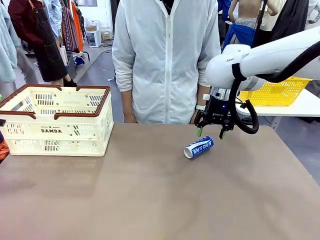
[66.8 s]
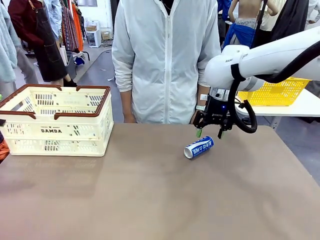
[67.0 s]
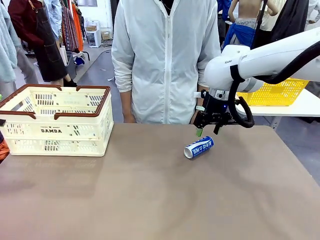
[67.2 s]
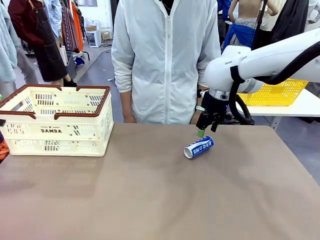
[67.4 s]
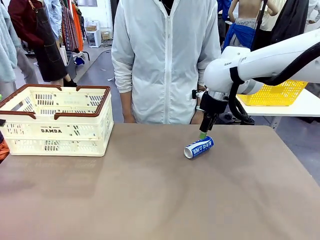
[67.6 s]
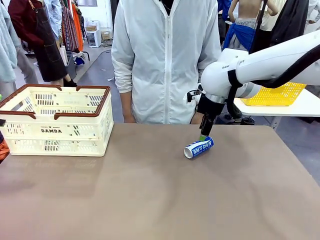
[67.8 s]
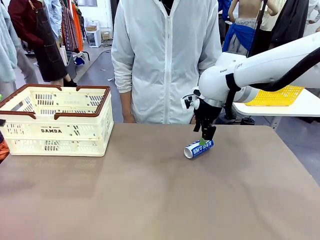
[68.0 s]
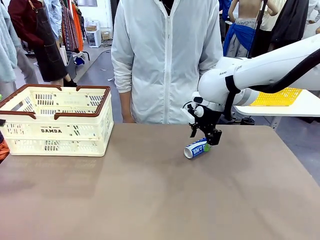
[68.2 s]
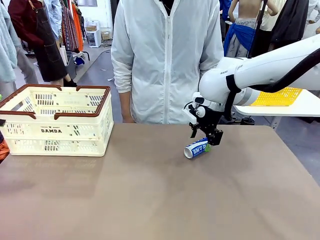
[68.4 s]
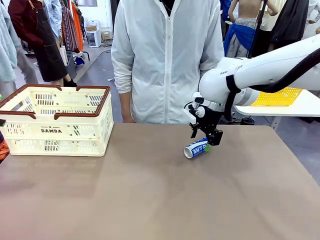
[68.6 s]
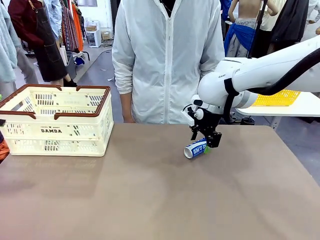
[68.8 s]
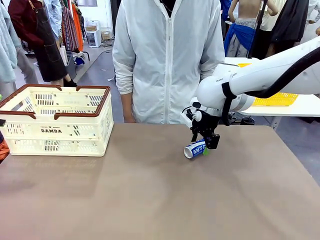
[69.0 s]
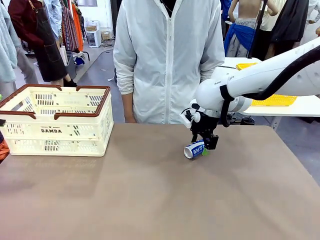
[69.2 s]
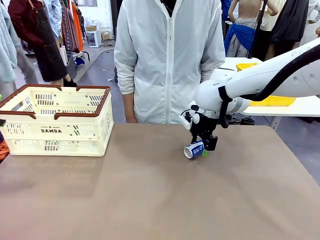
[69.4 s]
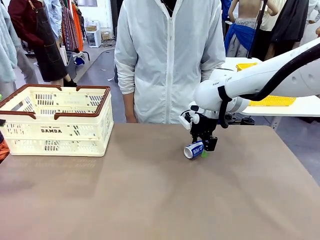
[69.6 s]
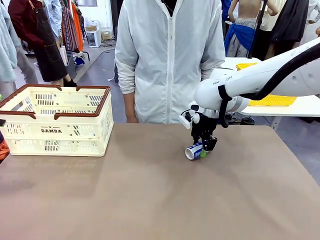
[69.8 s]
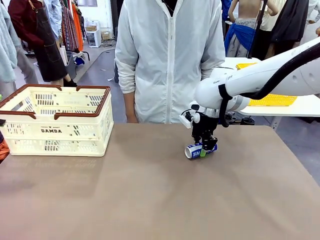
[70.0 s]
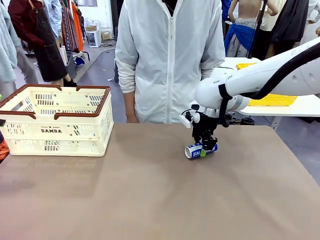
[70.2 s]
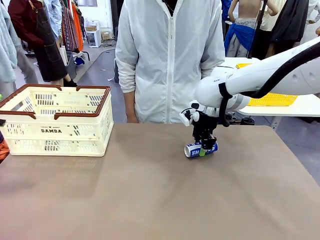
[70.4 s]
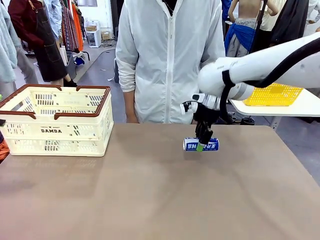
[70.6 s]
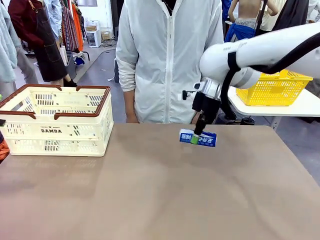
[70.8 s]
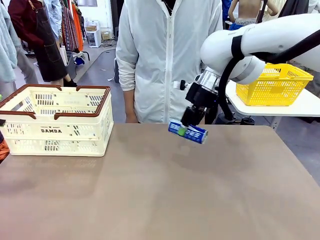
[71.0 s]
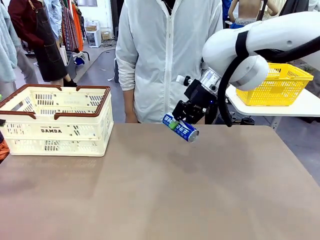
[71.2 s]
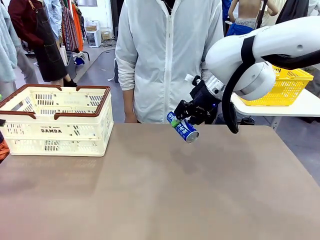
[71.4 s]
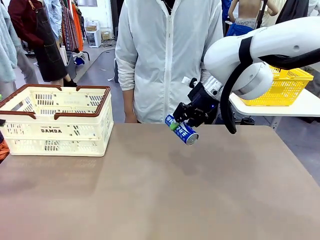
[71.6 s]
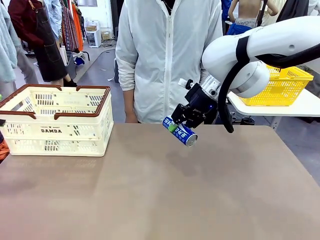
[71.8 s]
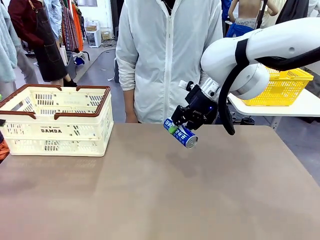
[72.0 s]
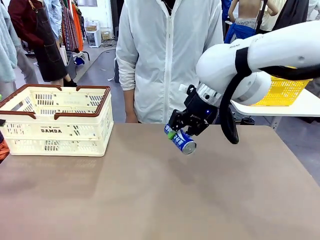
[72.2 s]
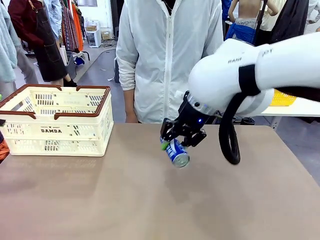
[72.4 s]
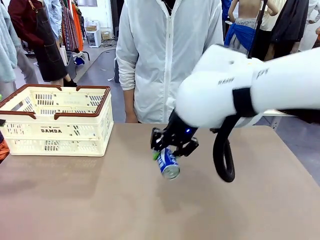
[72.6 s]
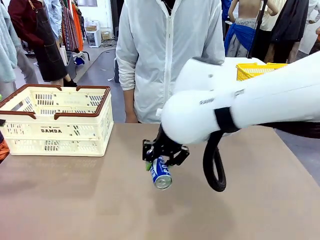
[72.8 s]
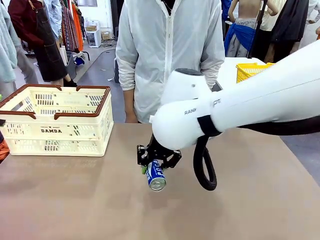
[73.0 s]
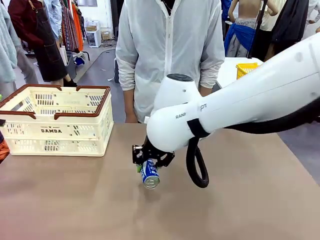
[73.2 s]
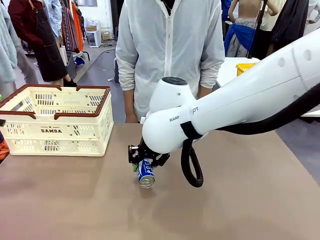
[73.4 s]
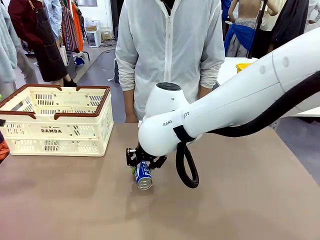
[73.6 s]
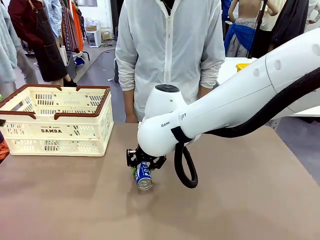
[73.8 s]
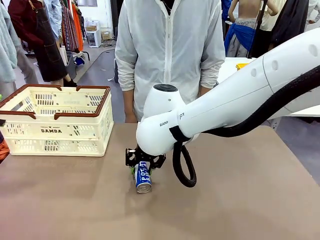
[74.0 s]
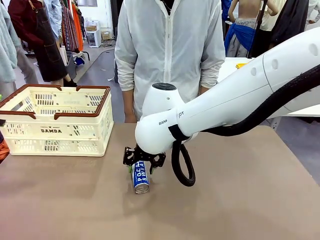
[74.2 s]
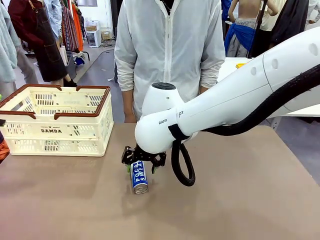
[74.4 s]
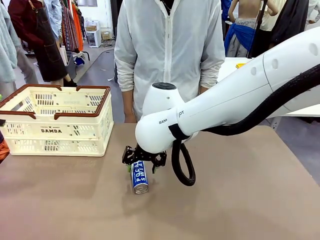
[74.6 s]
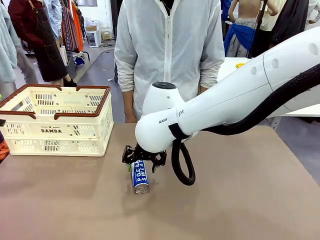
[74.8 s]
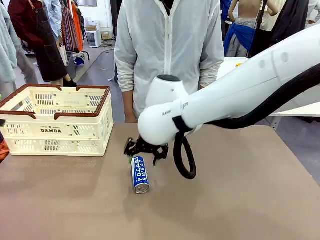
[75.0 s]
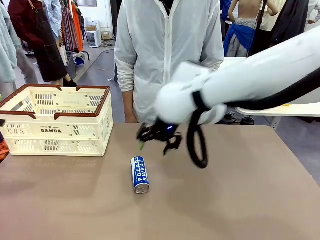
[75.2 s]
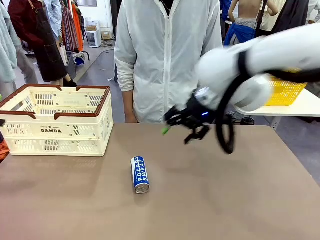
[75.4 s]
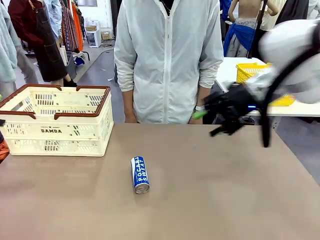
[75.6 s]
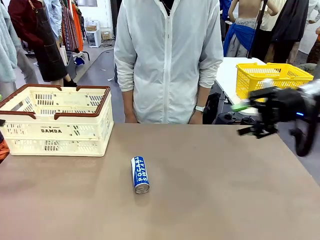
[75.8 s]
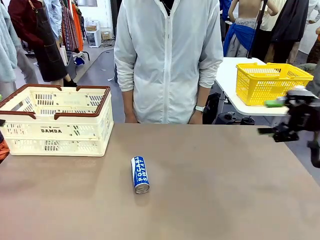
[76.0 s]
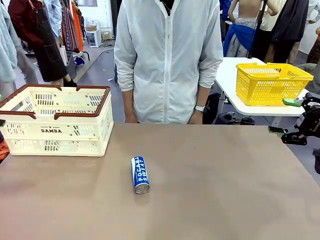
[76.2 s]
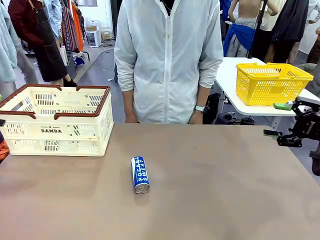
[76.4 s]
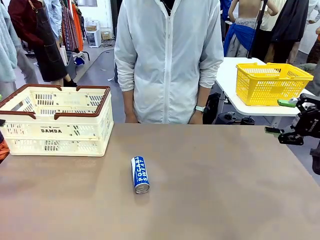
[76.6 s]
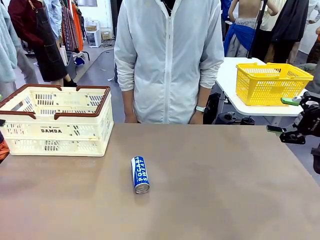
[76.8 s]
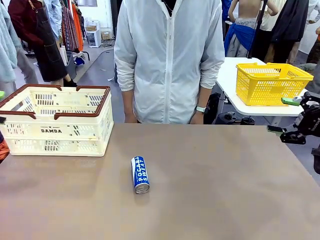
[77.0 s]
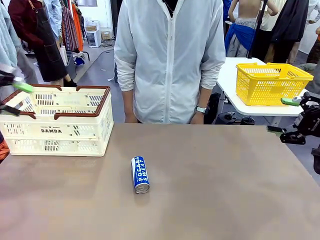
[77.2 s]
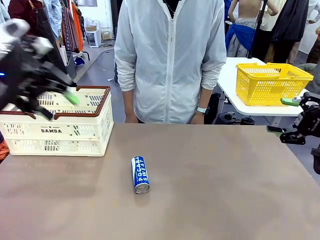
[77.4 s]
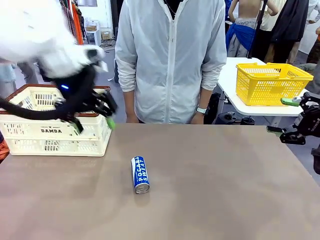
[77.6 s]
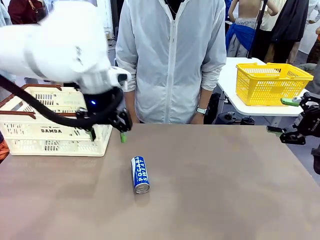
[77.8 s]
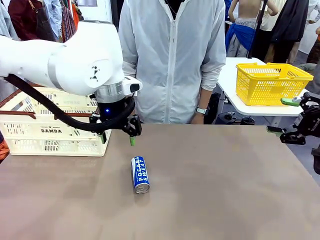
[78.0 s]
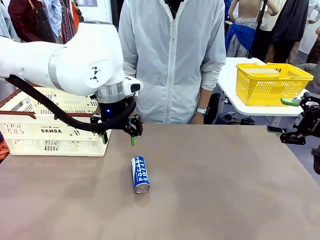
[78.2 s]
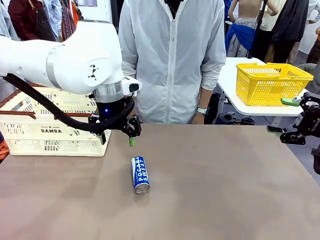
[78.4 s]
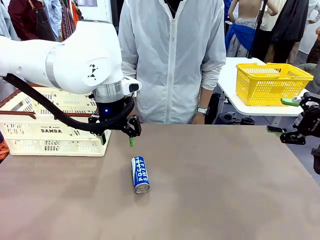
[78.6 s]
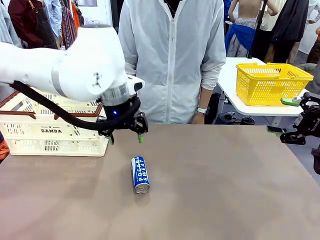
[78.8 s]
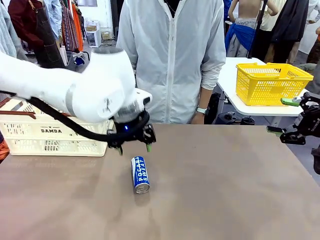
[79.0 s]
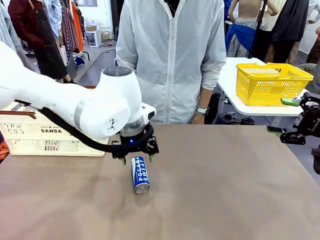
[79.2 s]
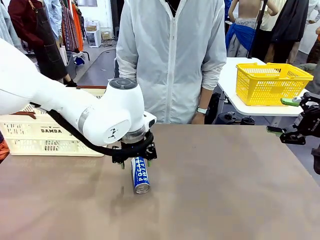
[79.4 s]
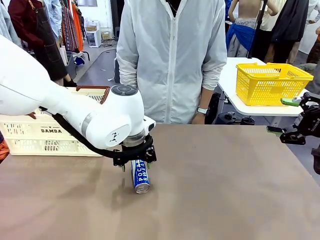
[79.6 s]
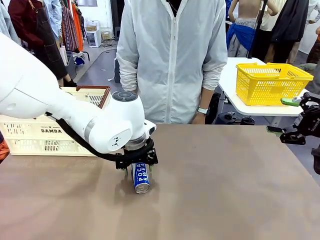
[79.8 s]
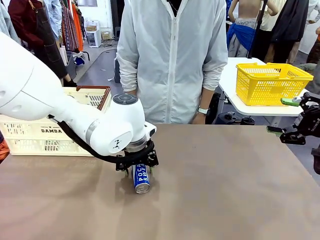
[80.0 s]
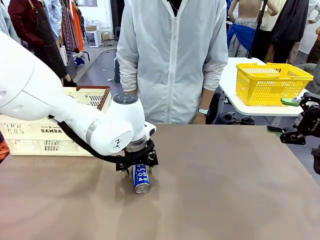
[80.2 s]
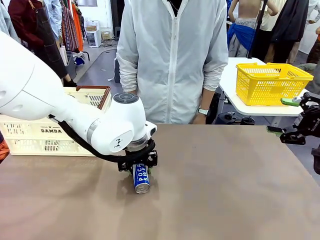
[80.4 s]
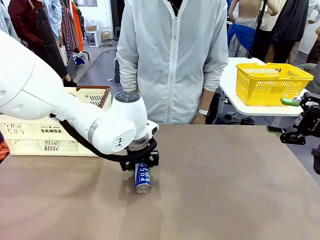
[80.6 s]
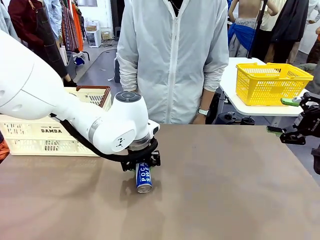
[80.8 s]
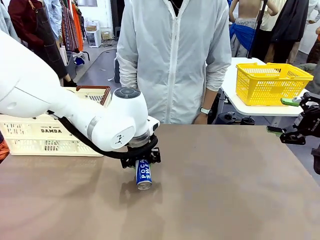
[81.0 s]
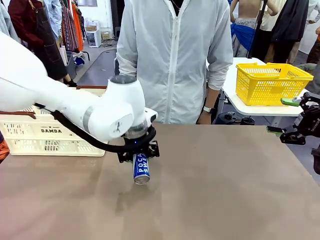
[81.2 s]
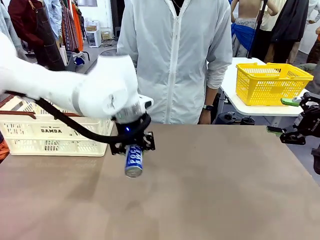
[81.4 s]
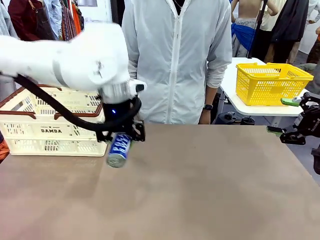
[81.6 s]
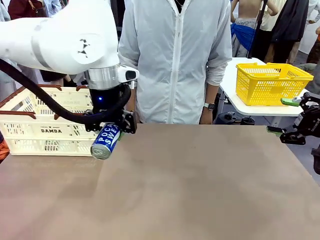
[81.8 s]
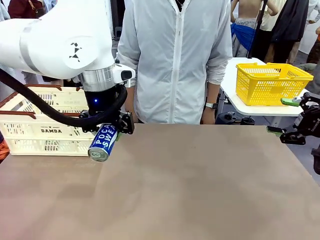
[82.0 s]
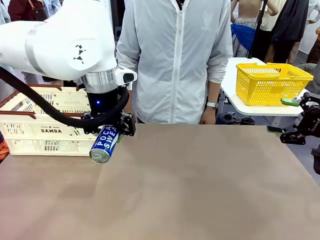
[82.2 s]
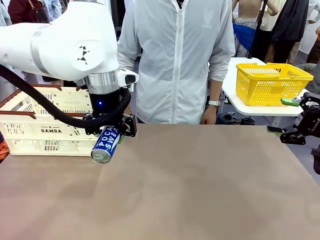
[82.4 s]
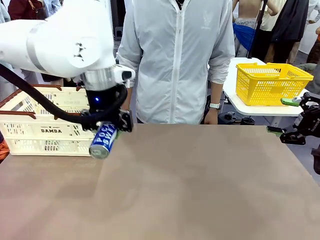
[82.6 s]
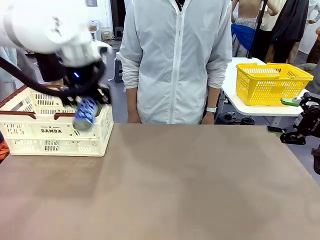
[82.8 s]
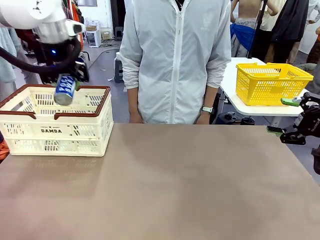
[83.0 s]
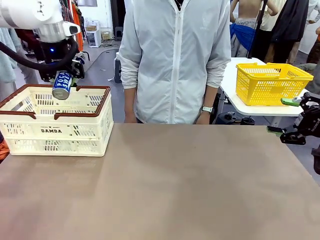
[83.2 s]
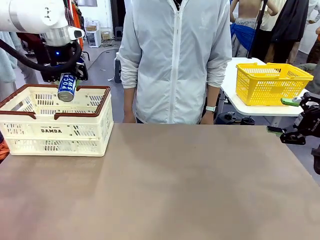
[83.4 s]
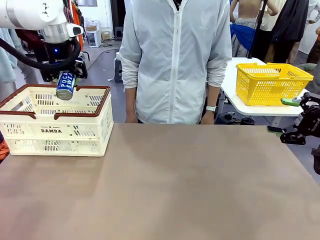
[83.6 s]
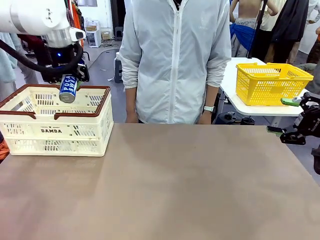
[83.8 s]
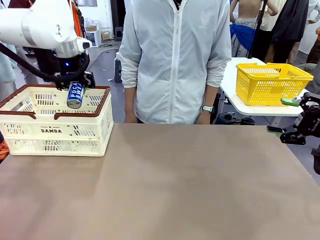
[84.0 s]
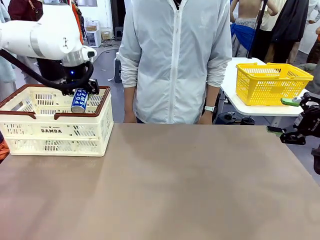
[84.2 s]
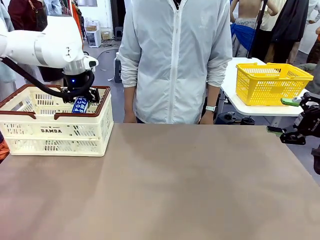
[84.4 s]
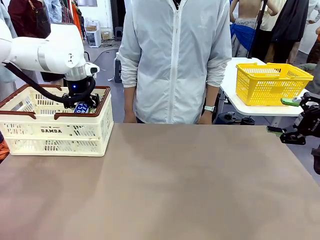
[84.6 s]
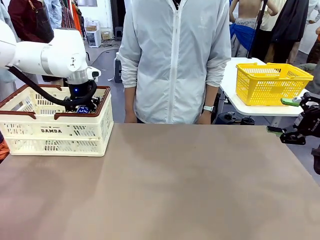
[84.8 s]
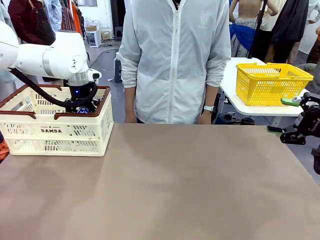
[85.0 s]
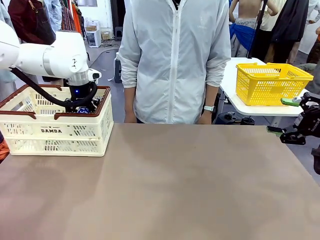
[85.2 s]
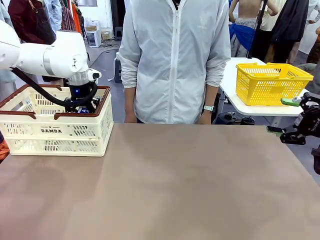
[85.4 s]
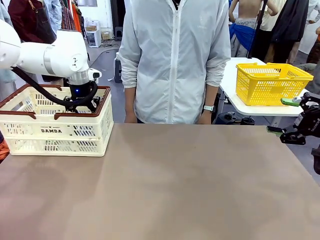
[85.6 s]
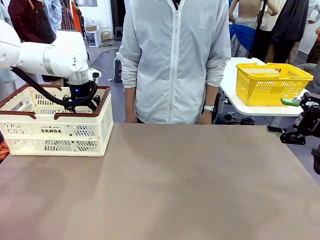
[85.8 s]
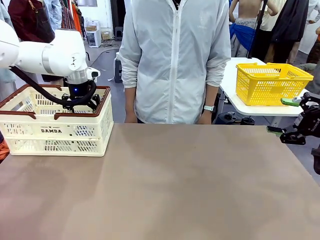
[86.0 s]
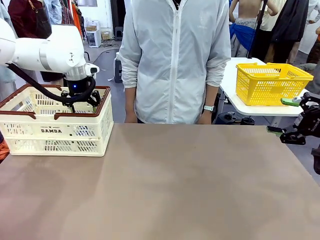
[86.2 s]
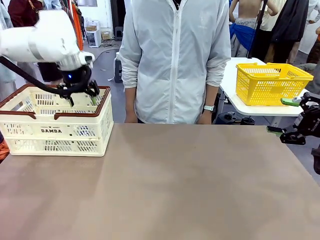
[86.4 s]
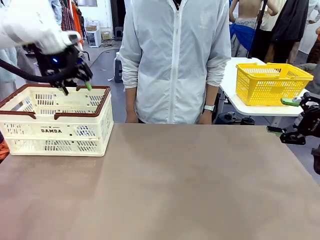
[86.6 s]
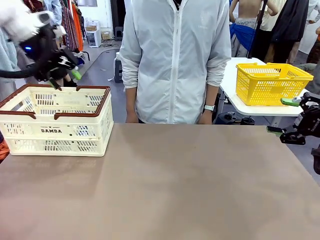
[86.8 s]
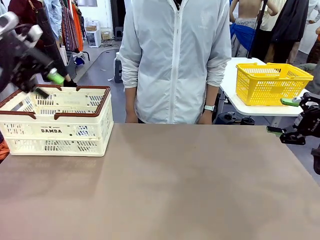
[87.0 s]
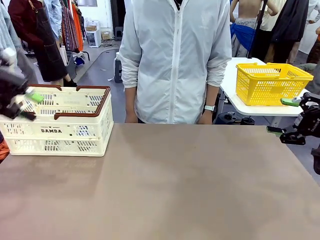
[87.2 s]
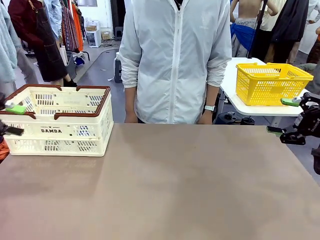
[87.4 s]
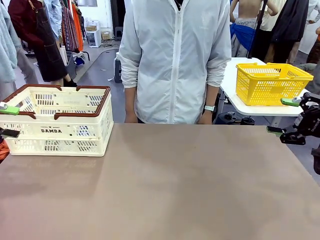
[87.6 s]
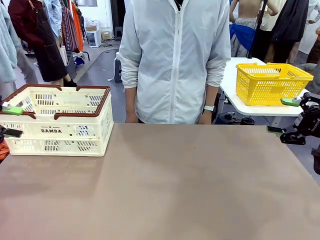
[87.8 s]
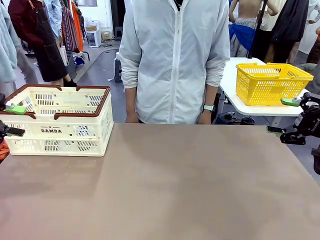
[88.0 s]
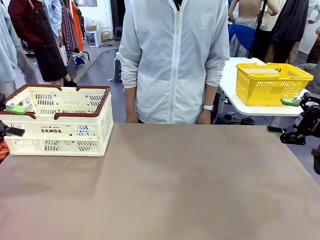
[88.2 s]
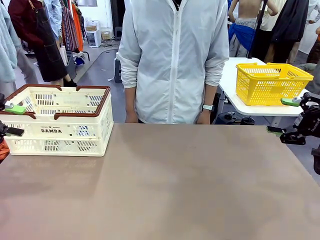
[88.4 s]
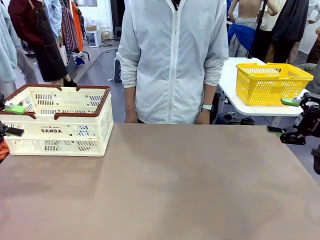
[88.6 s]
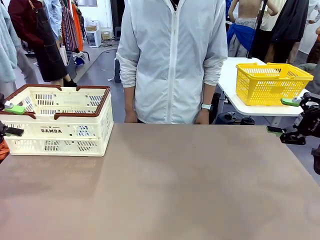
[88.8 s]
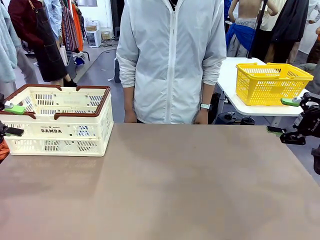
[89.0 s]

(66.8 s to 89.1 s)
Task: Place the drinks into the Shopping basket.
Robot: Pick up one drink and place it into the Shopping basket.
